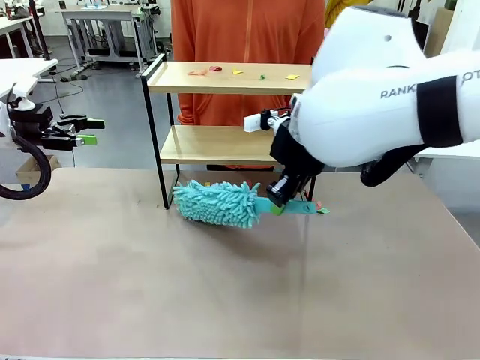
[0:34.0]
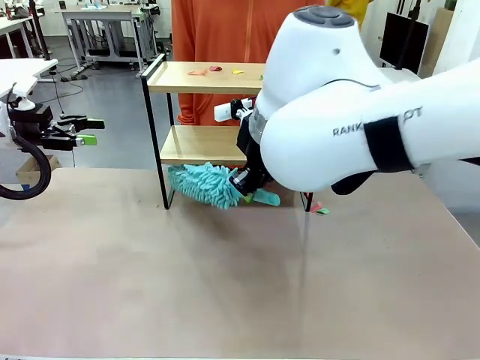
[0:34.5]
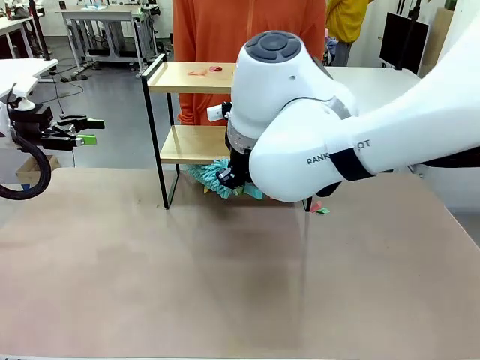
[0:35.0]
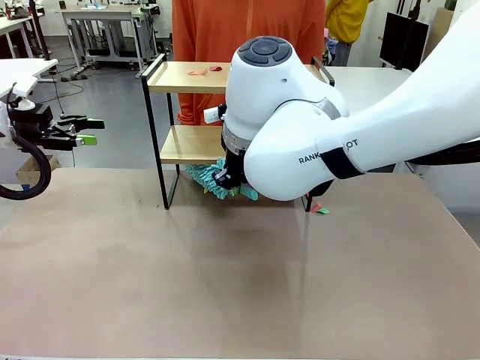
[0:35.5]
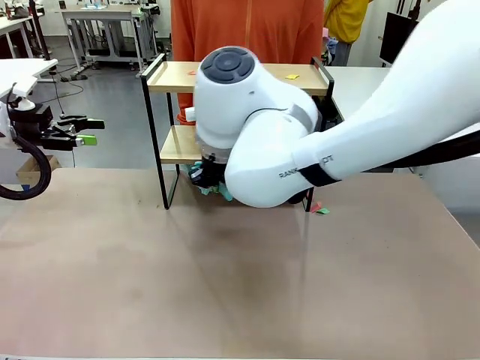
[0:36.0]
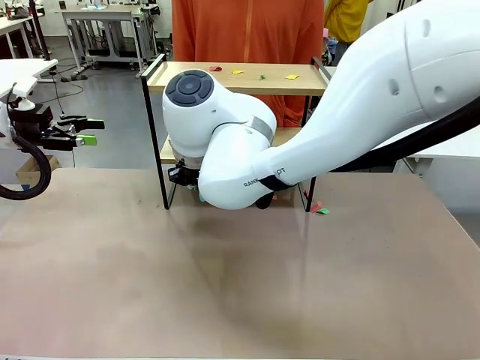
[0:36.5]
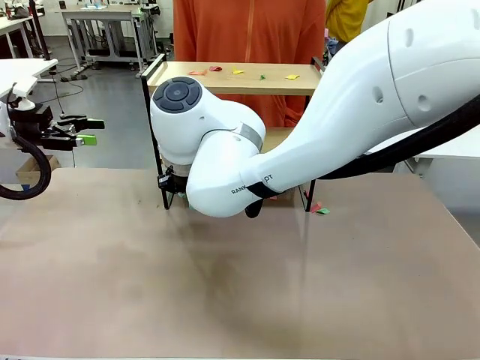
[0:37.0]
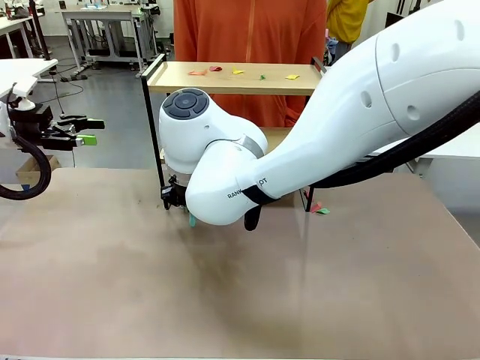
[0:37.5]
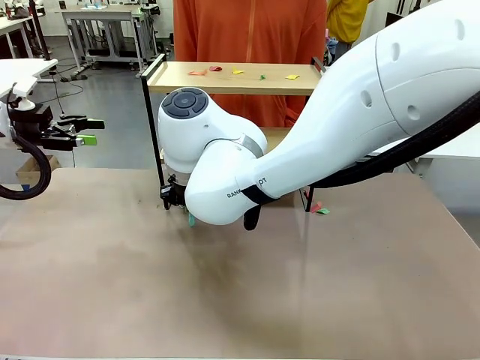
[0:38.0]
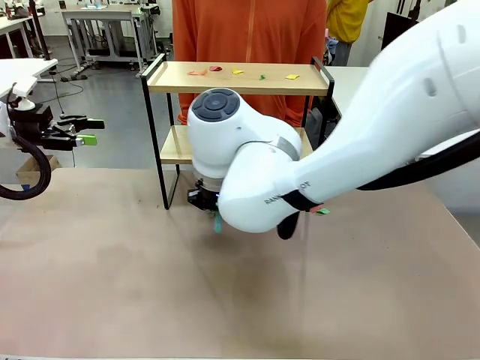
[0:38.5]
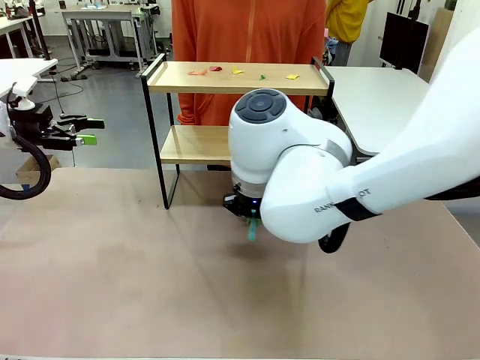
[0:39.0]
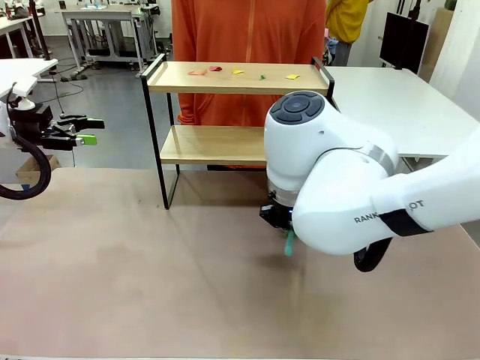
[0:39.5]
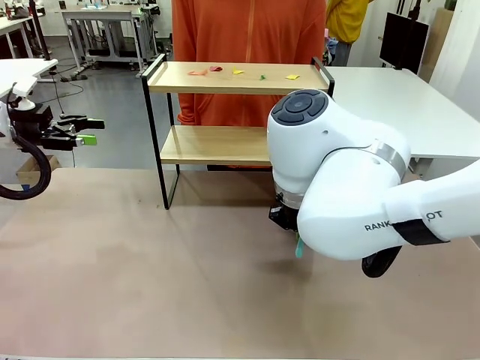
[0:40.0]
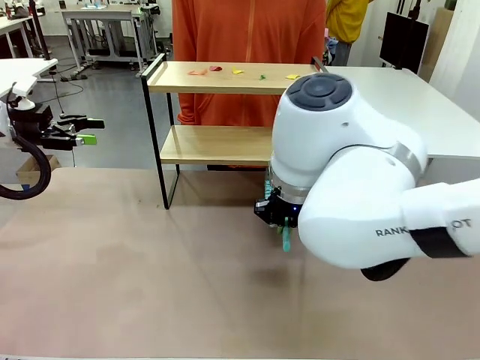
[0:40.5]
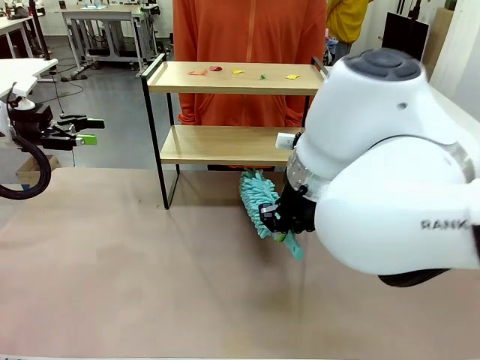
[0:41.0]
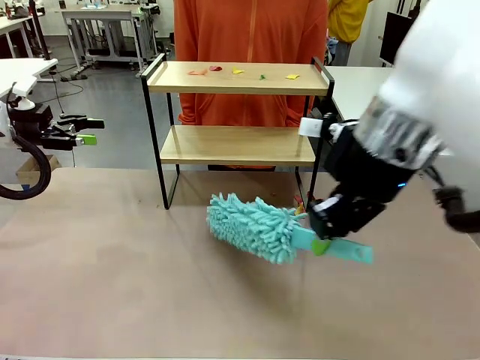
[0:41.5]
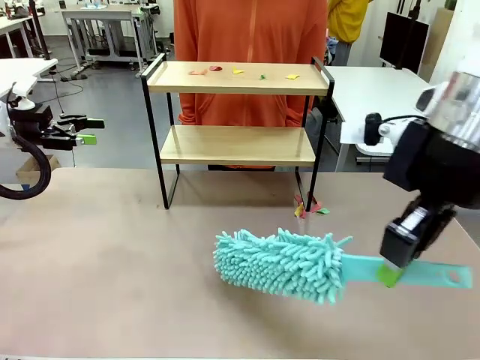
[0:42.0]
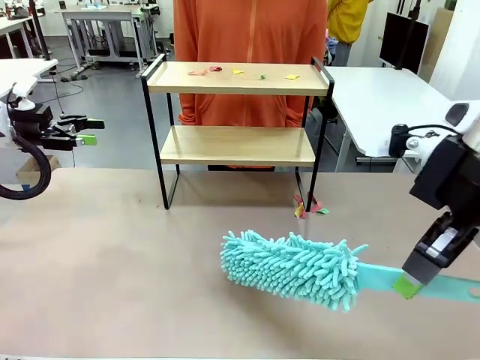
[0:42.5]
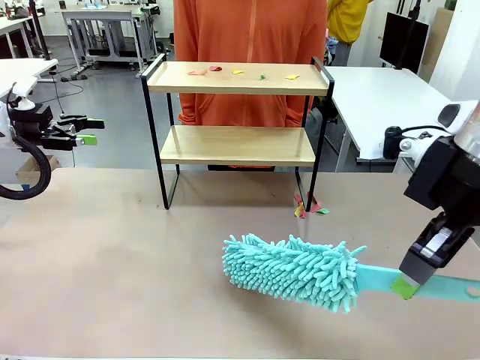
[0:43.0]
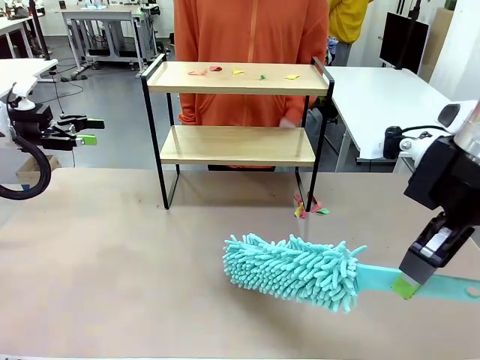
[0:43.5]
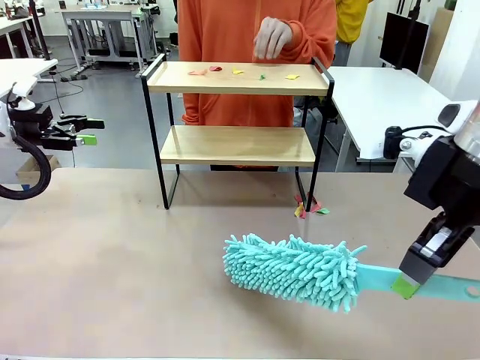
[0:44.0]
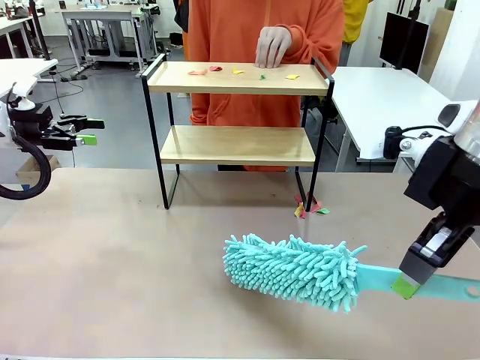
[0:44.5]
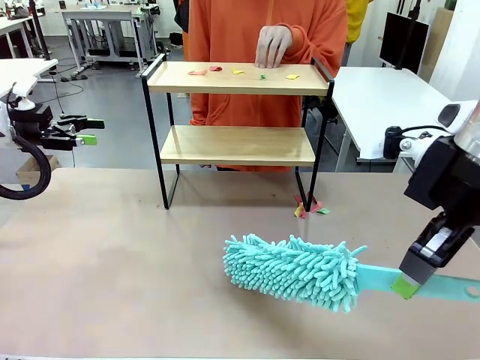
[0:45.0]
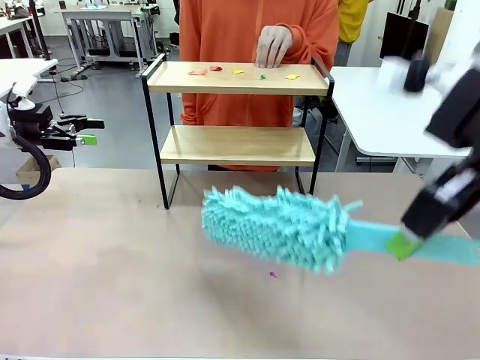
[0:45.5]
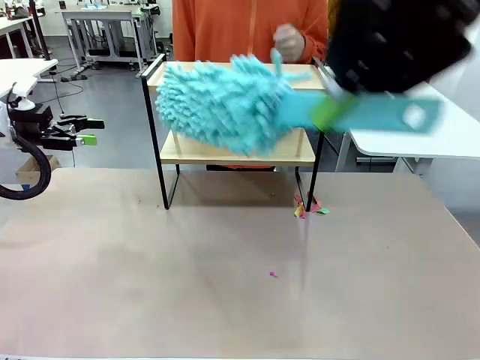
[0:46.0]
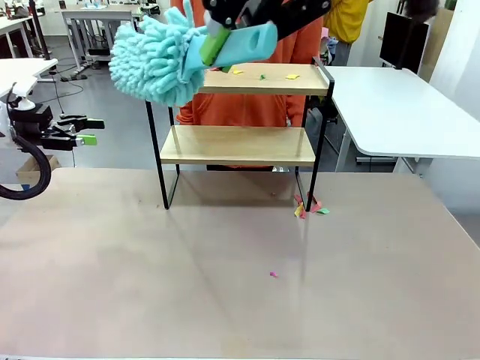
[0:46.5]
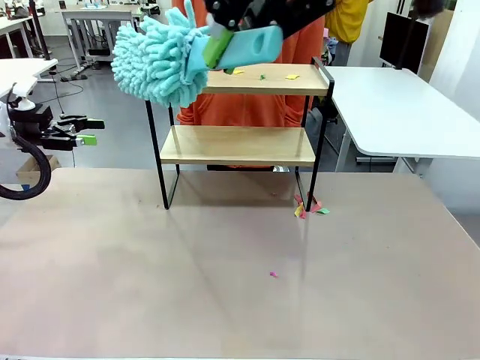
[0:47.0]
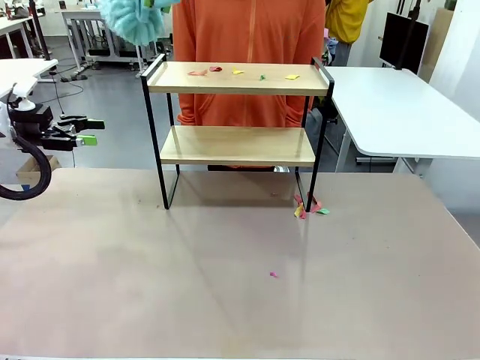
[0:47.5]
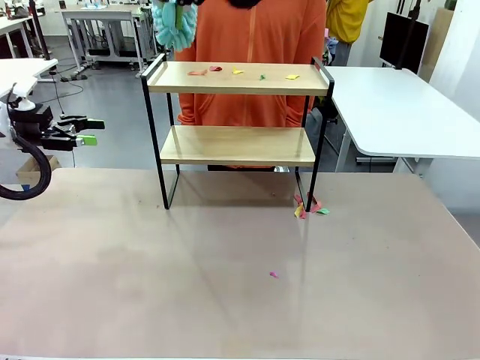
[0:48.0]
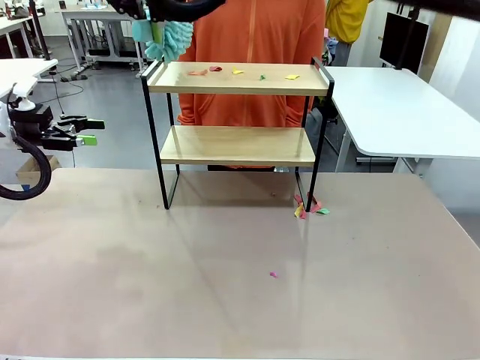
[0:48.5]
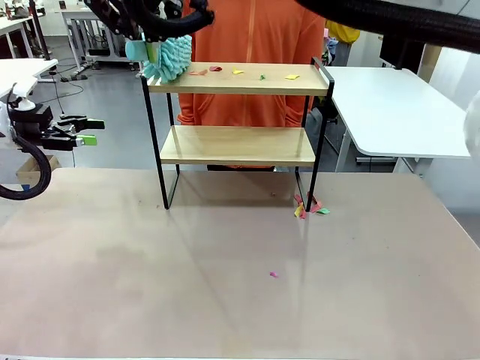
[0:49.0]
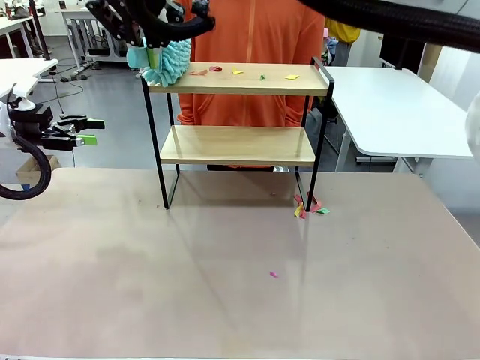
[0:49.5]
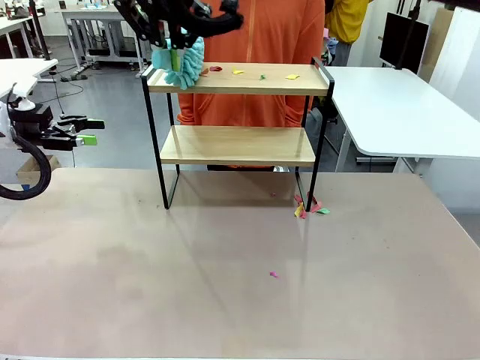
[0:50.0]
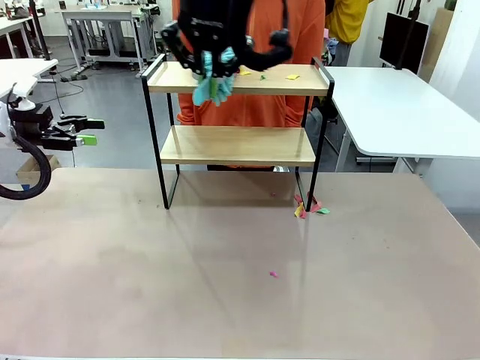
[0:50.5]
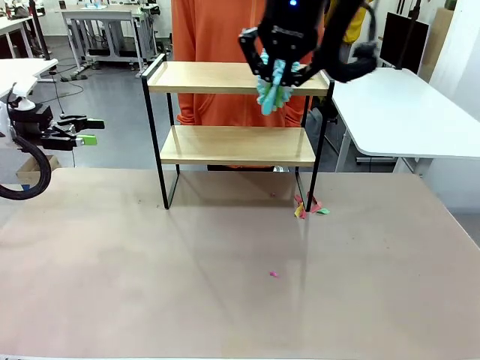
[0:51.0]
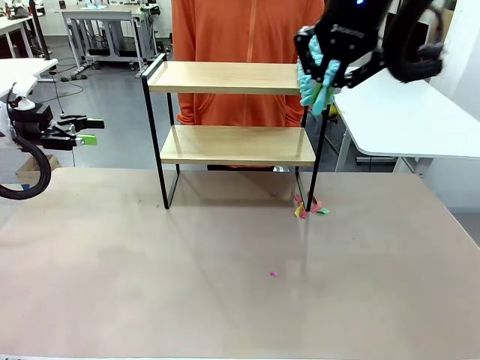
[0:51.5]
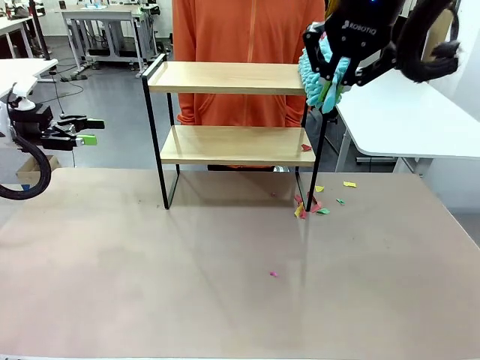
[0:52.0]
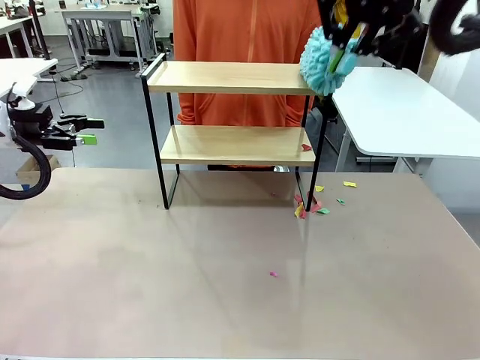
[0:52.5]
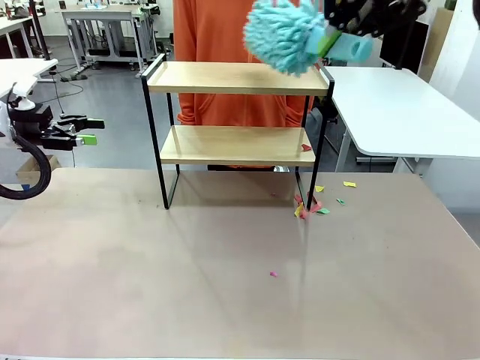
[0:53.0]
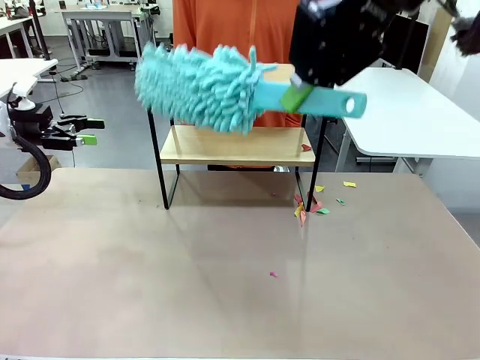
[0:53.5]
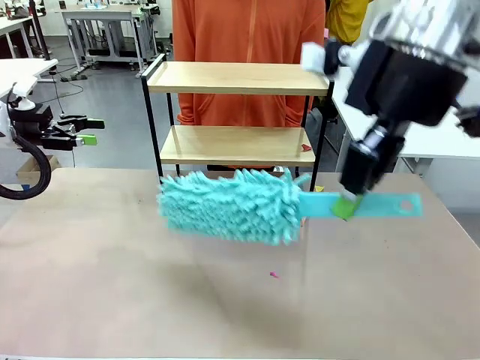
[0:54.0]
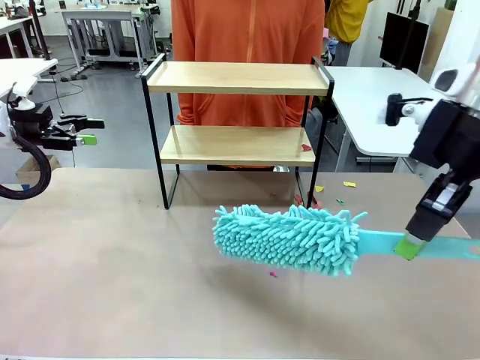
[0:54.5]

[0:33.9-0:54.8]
Task: Clean the shelf.
Robot: Clean the specific section of the Shelf indicated by the human with the Duster.
Person: Point a remaining section of the Shelf.

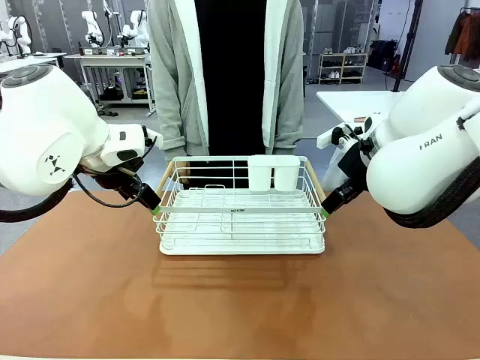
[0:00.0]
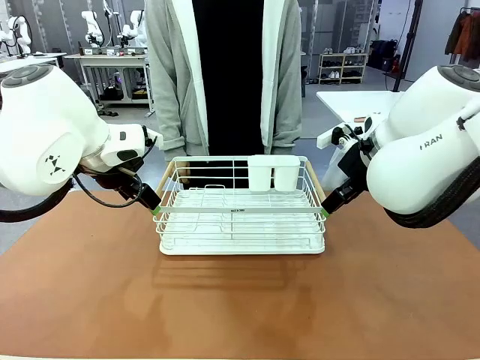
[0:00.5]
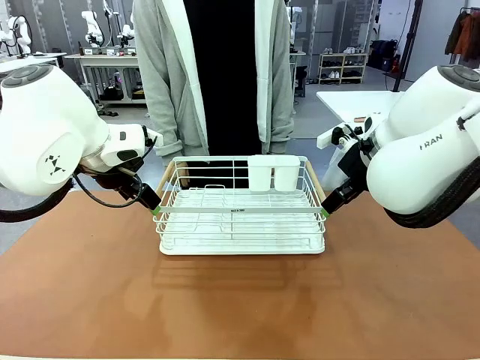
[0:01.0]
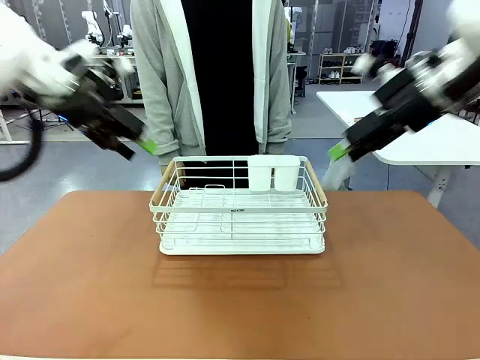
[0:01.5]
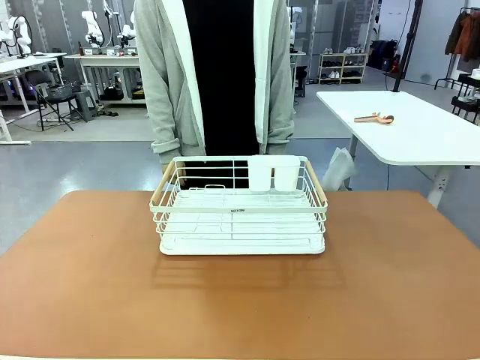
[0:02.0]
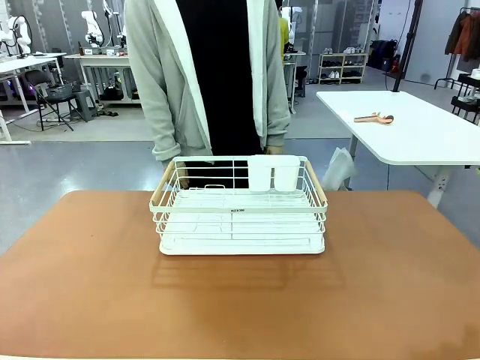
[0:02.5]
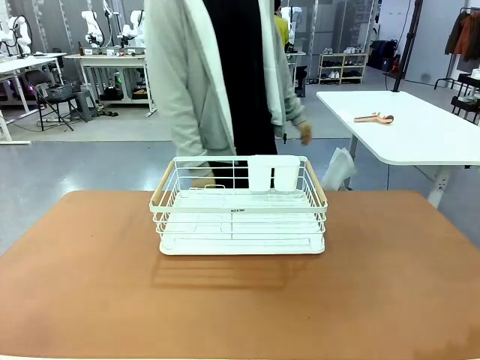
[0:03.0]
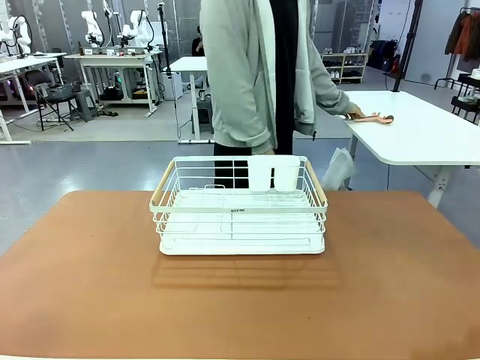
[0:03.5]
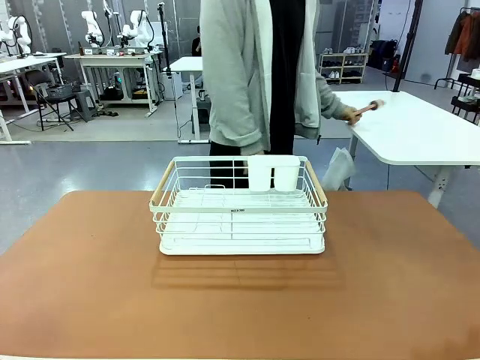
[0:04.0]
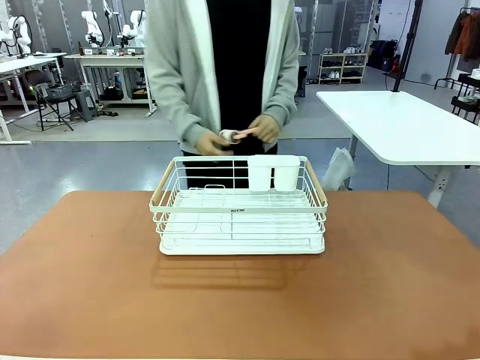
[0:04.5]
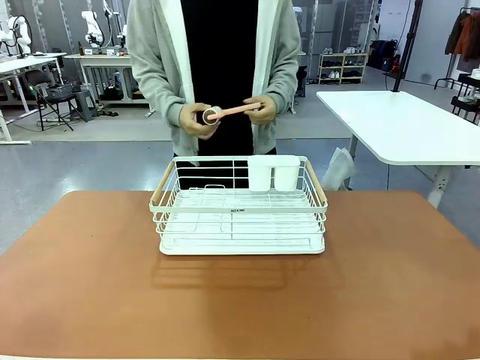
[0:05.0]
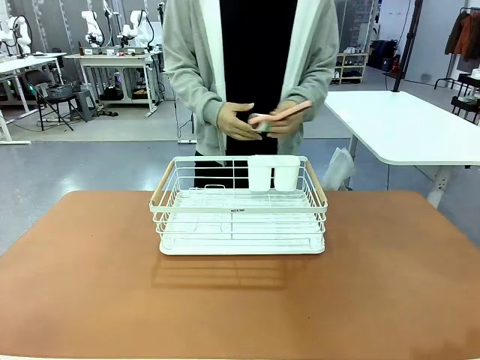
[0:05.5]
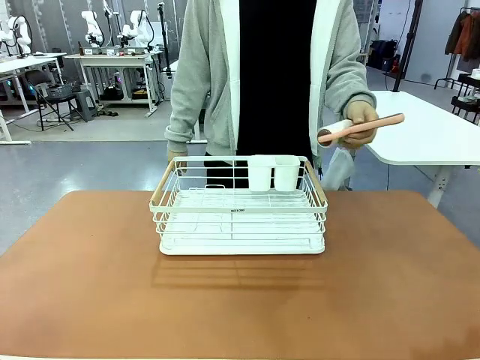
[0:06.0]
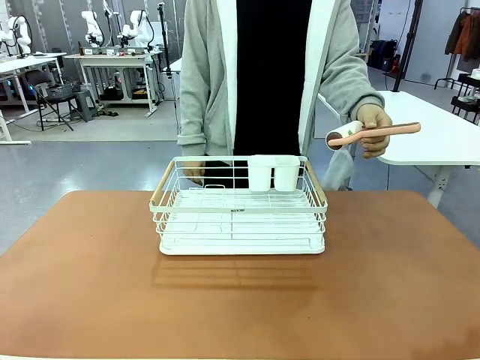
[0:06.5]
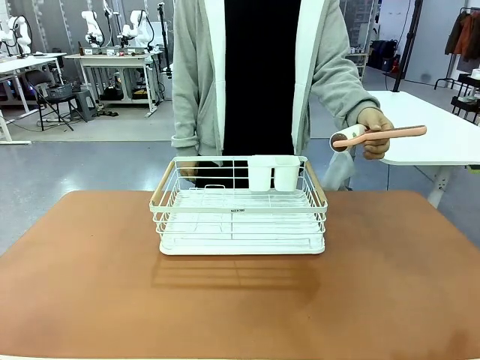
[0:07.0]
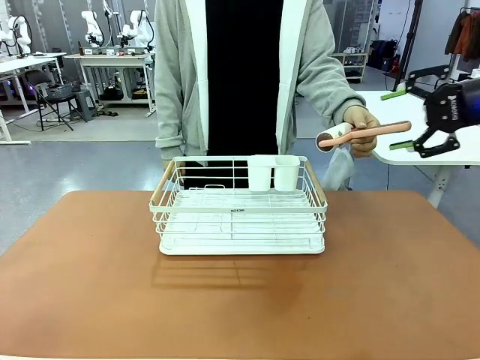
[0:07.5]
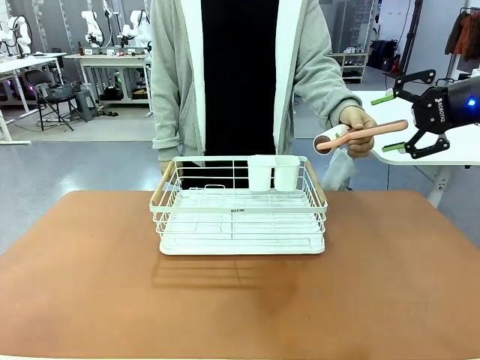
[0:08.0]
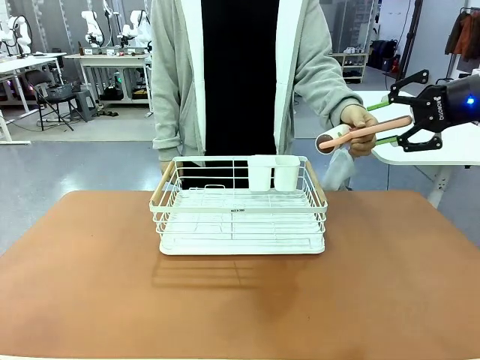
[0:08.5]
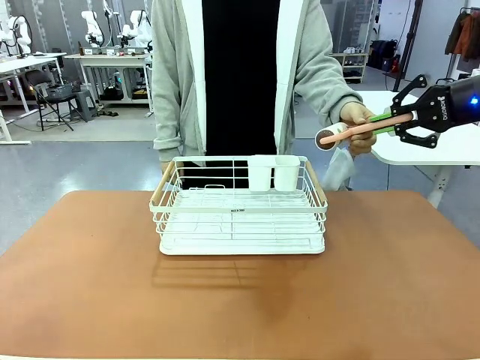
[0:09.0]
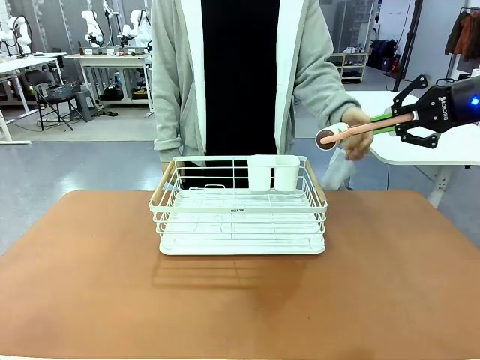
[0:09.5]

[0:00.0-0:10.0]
Task: Clean the table.
Robot: Pick up the Lint Roller when the human hands it over.
Person: Hand the Lint Roller to the robot so it can easily pick it up. Lift the Dish drying rack.
